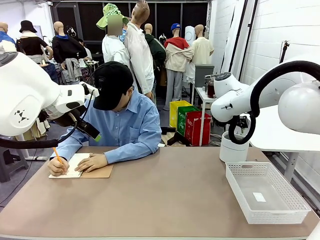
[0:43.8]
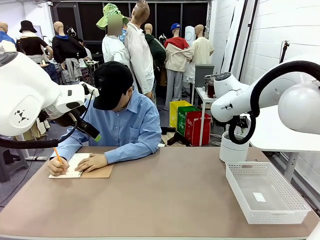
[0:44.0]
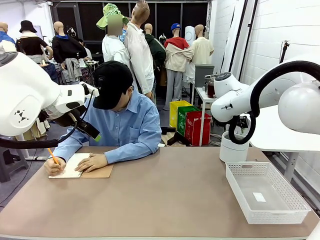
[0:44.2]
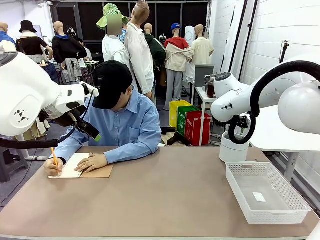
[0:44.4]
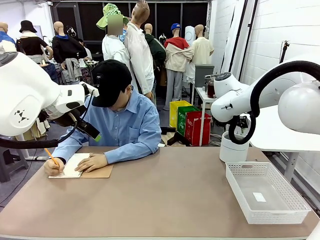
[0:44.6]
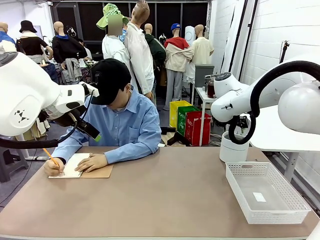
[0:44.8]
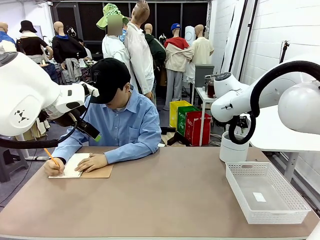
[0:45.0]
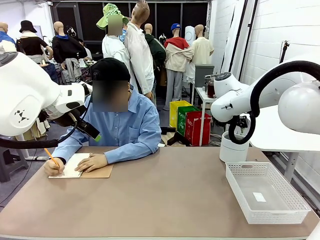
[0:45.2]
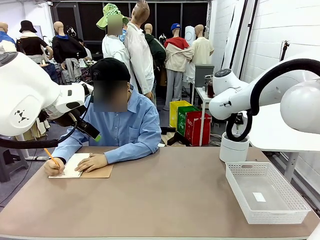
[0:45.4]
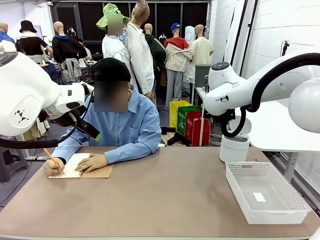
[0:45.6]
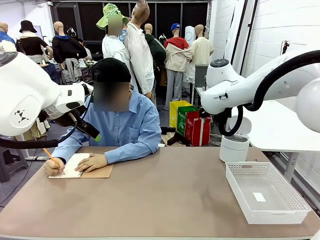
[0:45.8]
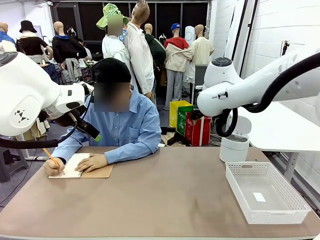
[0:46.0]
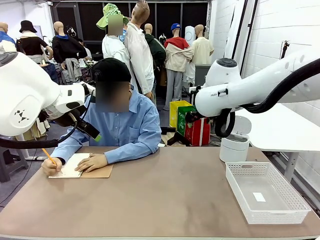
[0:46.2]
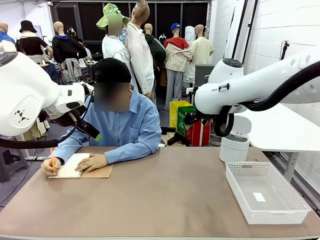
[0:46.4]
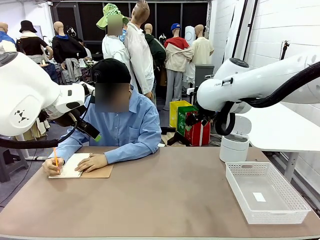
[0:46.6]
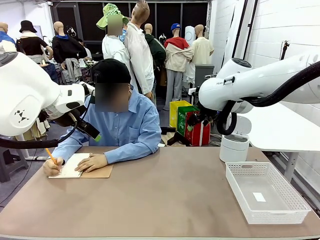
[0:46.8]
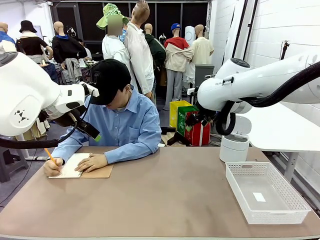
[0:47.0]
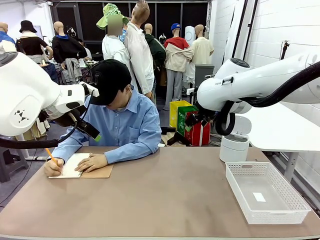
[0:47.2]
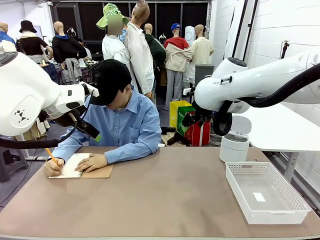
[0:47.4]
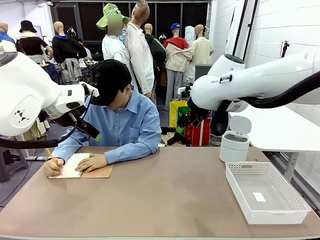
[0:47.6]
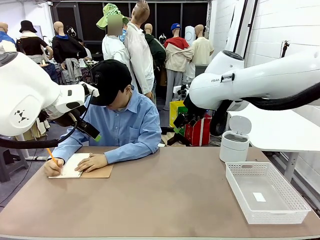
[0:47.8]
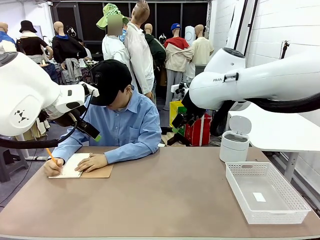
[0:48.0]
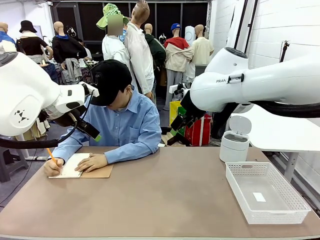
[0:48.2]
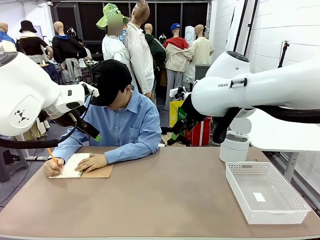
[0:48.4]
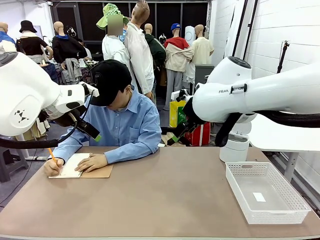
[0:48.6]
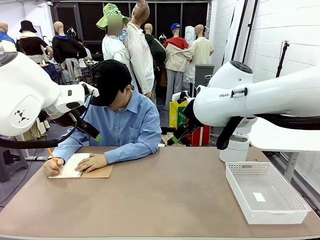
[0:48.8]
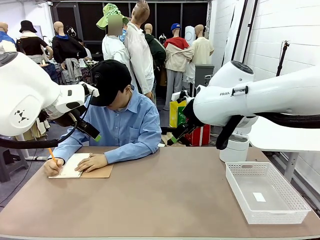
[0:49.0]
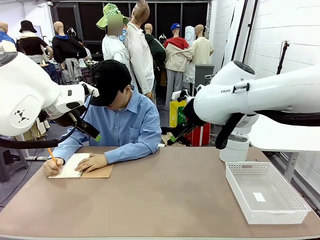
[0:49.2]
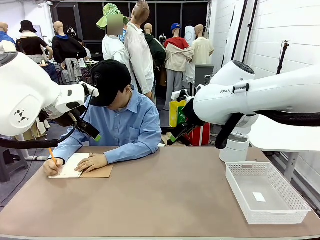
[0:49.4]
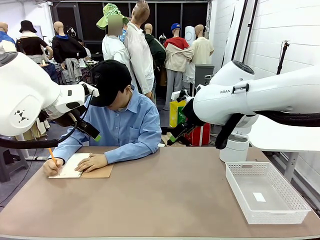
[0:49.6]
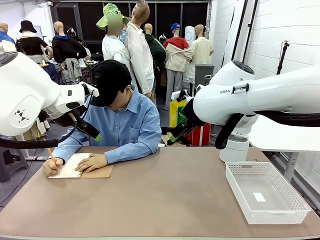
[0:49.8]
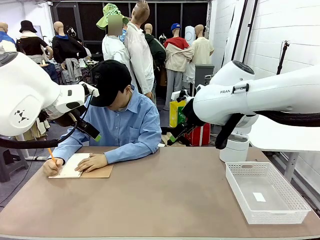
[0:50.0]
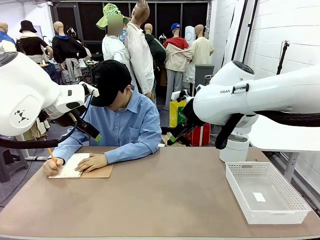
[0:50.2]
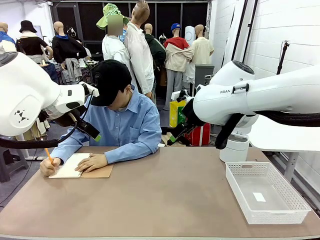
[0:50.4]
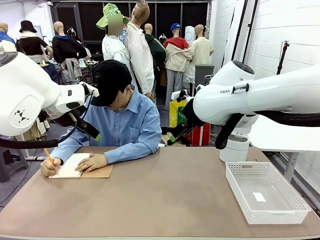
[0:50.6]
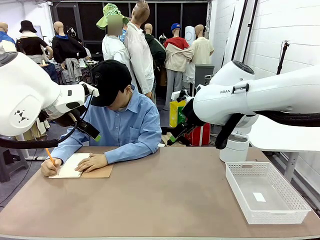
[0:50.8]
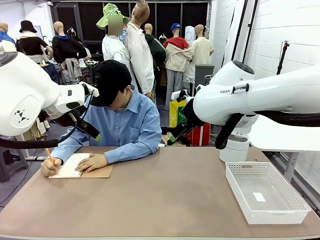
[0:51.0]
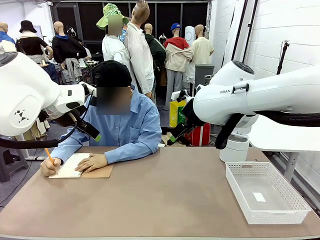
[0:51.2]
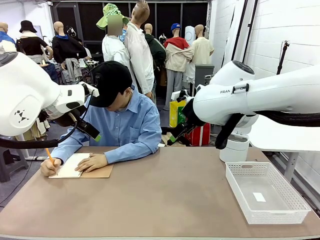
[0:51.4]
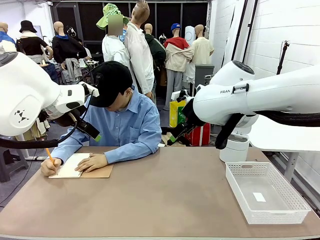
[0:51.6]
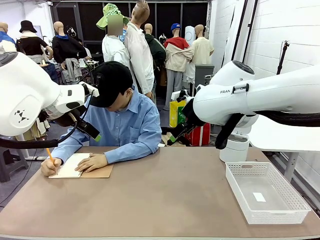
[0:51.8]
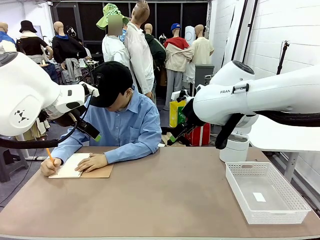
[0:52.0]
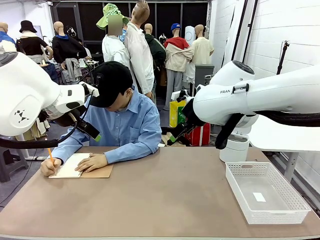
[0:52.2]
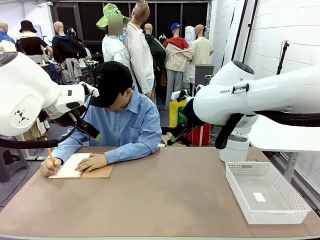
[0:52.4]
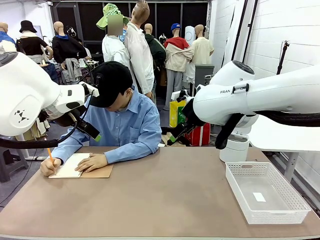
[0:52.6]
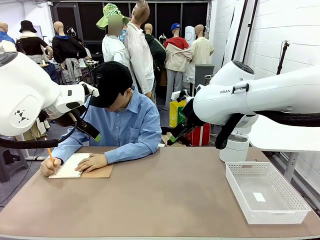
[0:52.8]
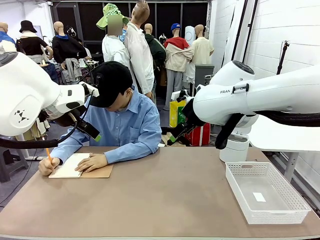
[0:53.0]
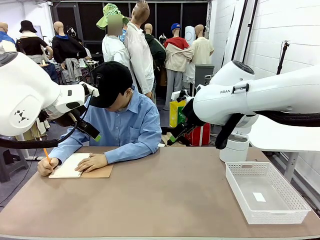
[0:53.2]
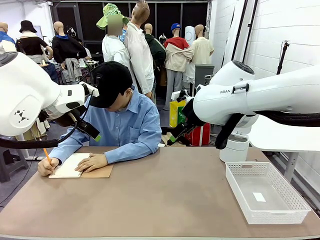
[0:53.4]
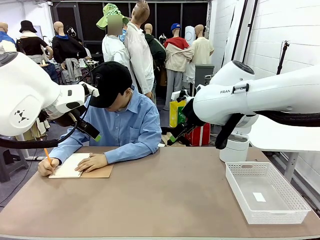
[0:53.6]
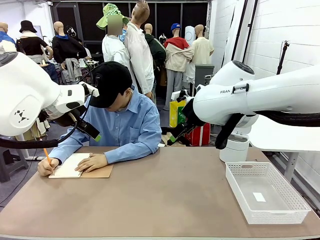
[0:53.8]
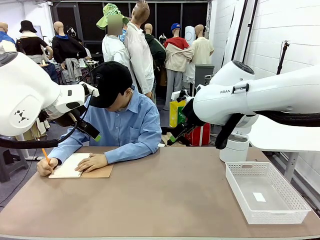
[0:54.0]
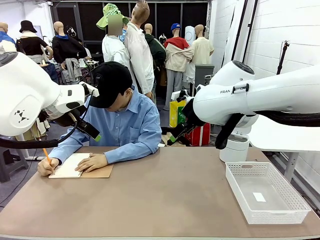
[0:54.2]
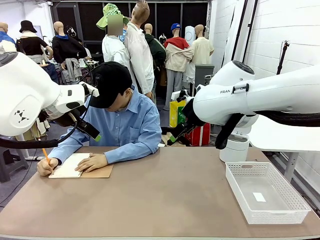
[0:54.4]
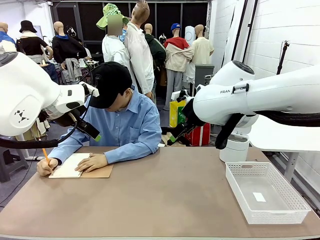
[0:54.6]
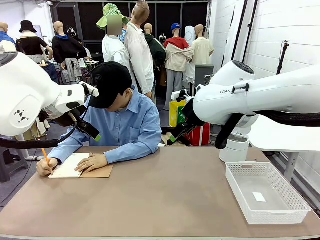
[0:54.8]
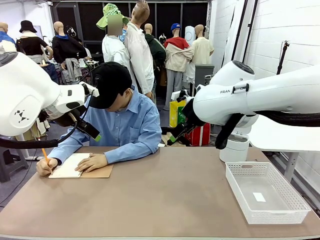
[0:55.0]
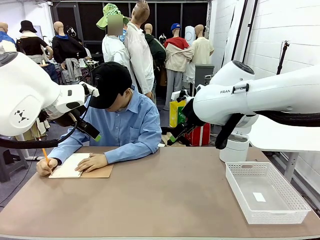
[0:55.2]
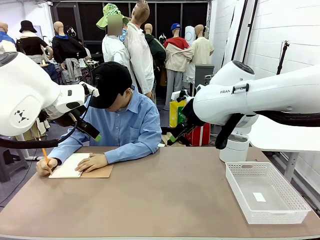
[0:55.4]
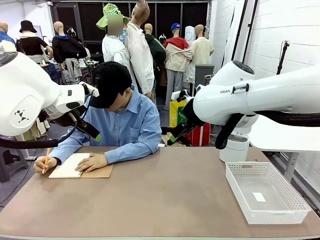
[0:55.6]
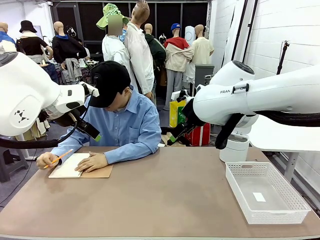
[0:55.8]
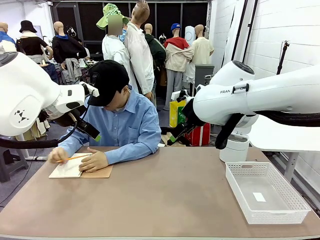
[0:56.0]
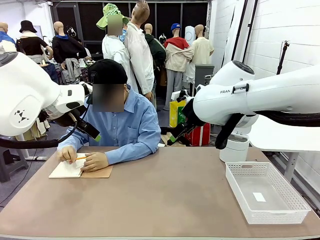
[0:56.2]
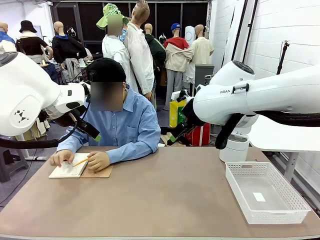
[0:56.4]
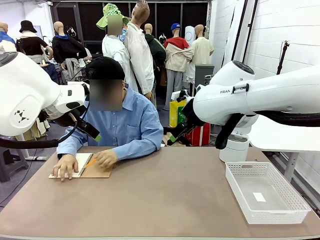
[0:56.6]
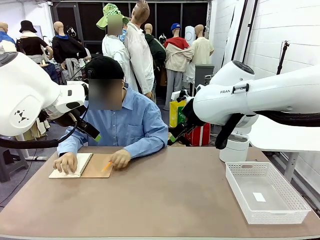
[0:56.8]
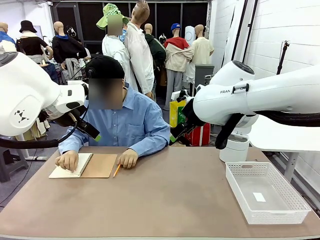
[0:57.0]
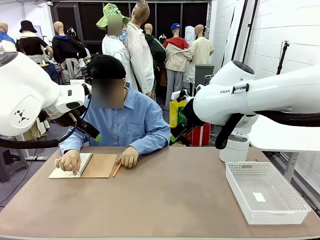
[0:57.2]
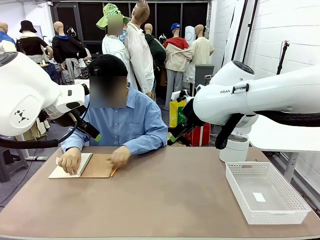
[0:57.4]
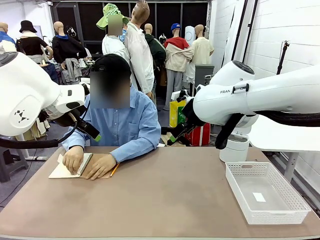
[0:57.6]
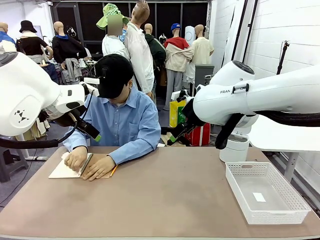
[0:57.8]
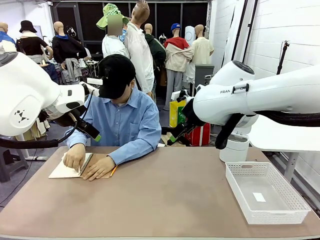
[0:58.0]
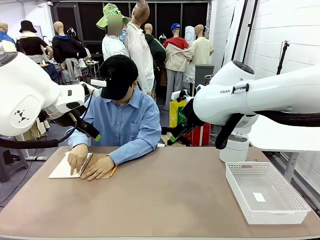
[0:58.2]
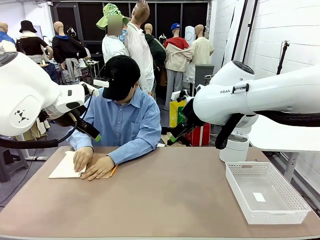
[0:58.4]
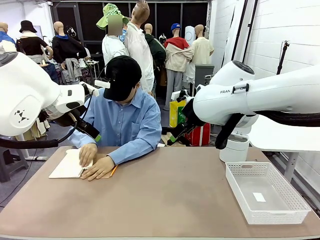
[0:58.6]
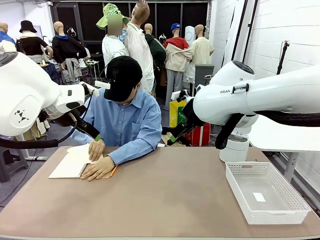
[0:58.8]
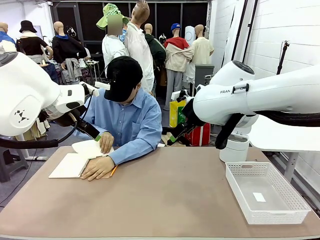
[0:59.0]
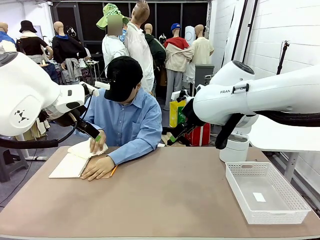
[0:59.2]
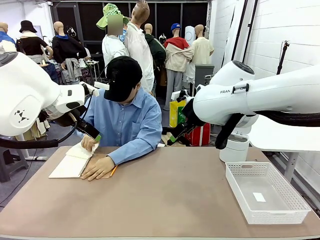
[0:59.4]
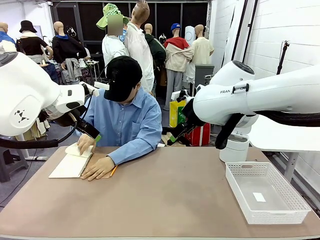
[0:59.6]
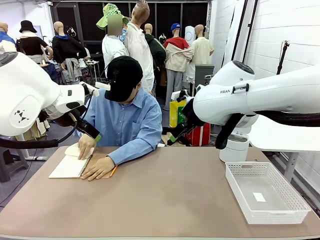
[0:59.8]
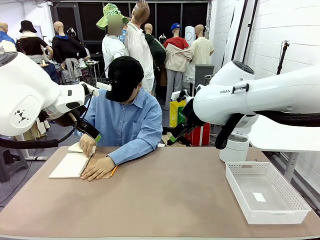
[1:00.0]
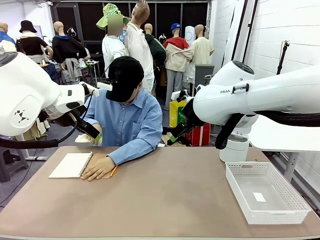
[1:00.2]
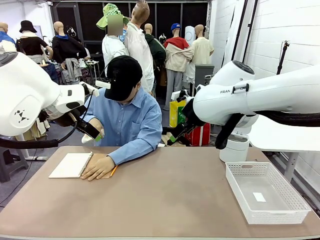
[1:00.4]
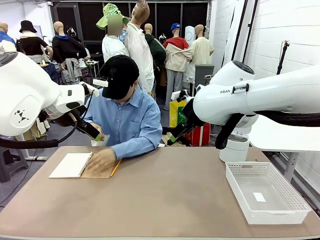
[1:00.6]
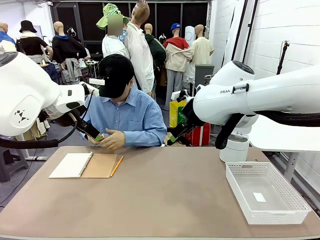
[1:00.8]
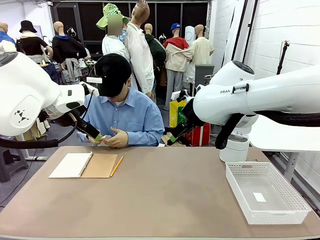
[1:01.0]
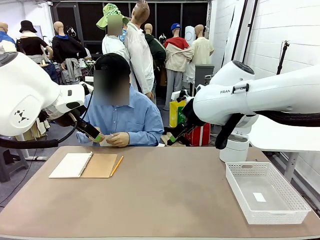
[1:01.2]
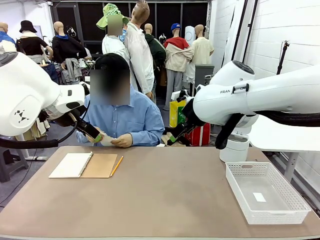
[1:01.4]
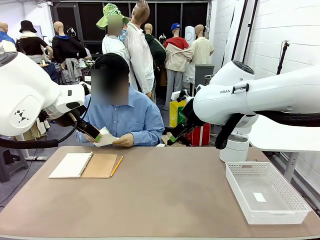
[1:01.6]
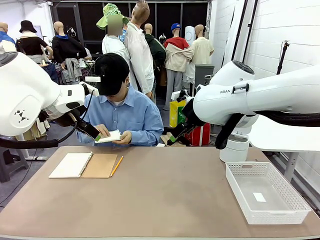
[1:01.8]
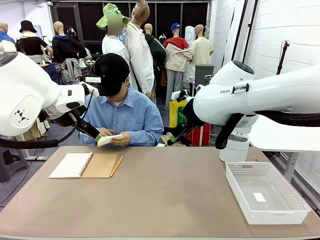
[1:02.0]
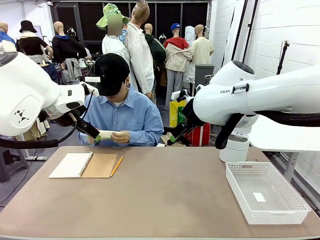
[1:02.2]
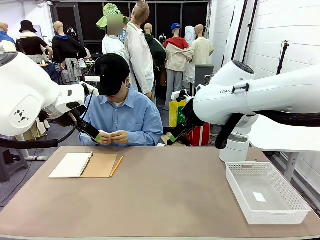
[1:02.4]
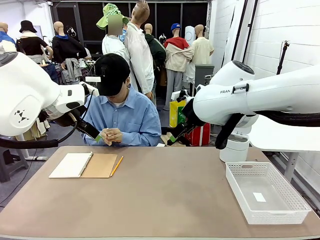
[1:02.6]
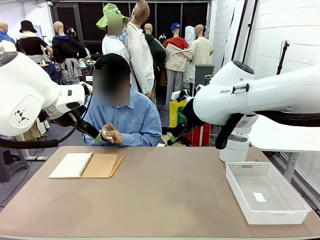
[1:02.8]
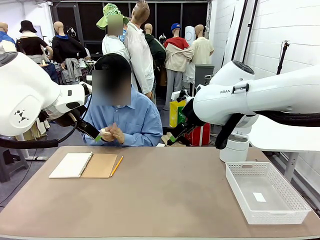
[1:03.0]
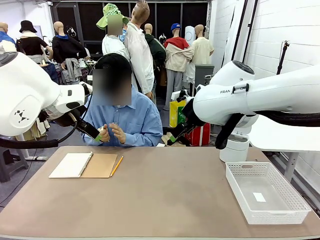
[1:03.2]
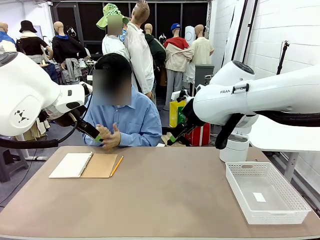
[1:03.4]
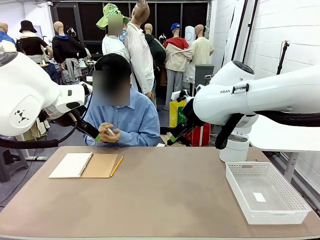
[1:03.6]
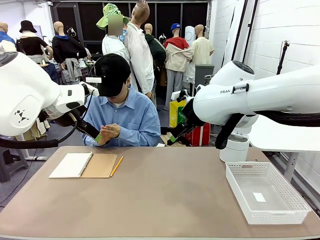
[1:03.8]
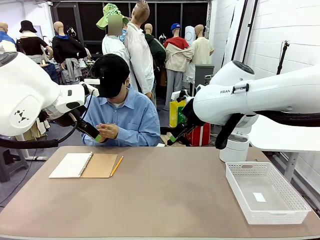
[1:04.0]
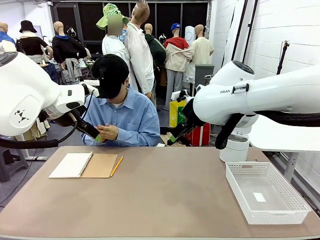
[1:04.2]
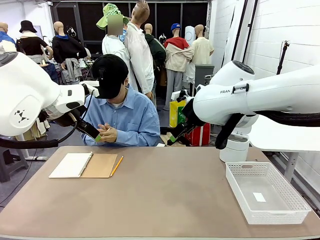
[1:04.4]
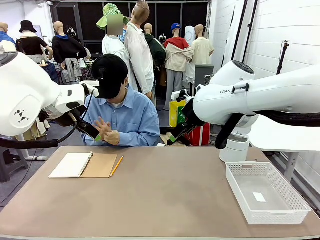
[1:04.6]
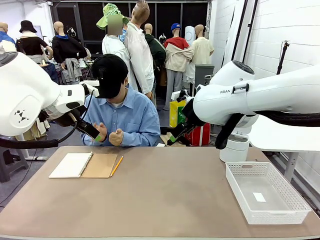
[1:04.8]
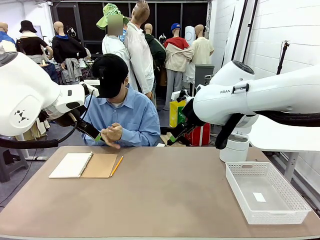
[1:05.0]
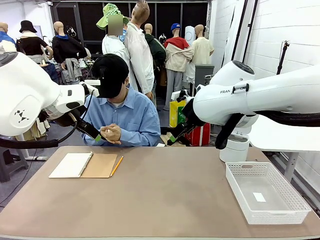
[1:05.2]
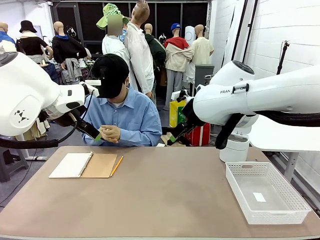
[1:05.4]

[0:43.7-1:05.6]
Task: Sort the paper based on its condition.
Robot: If a person hands you a paper, place it in the Organizing basket , and if it's crumpled, put it in the Trash can.
Person: Tear out a page from the spiral notebook. Hand the torn page to the robot or crumple it and throw it to the center of the table.
